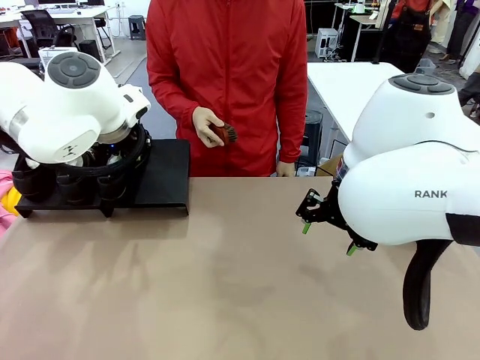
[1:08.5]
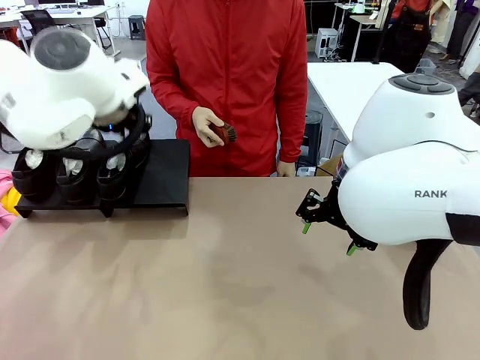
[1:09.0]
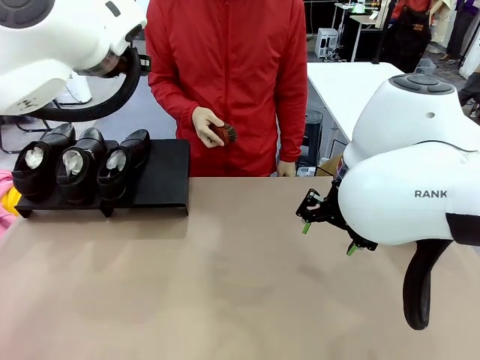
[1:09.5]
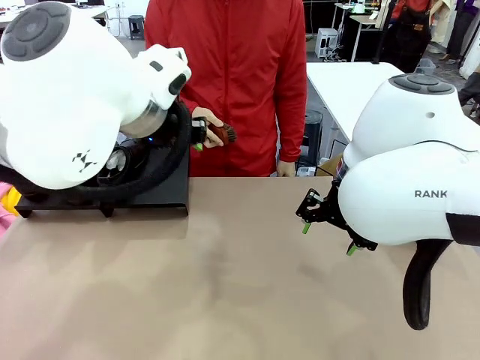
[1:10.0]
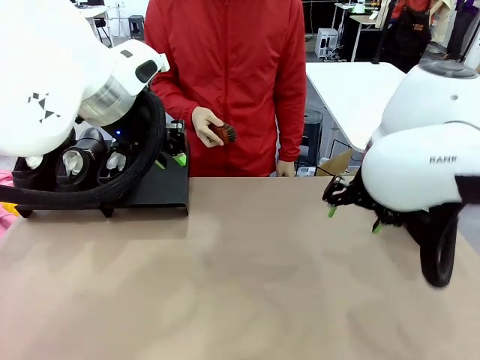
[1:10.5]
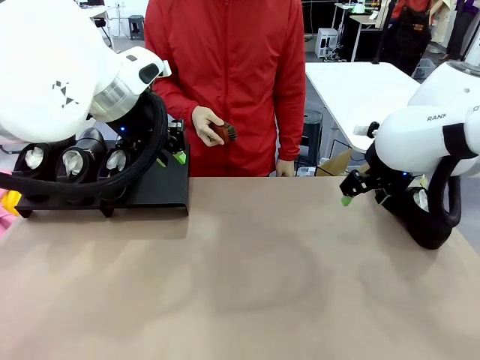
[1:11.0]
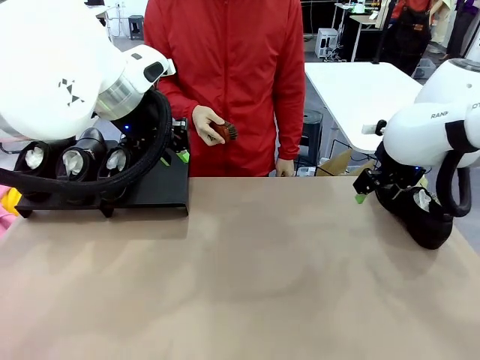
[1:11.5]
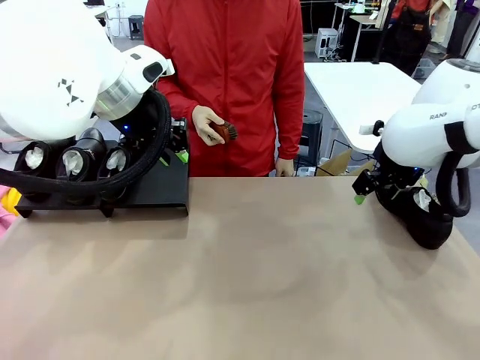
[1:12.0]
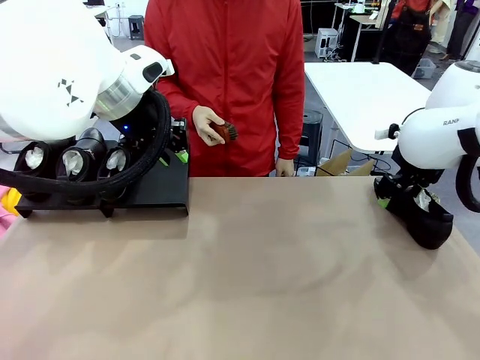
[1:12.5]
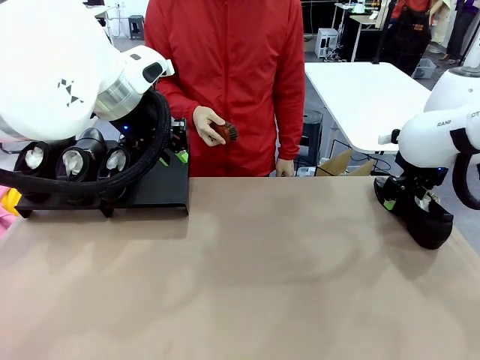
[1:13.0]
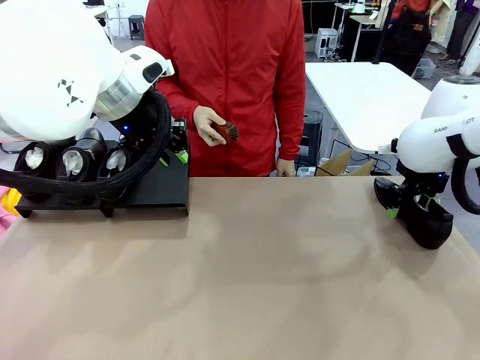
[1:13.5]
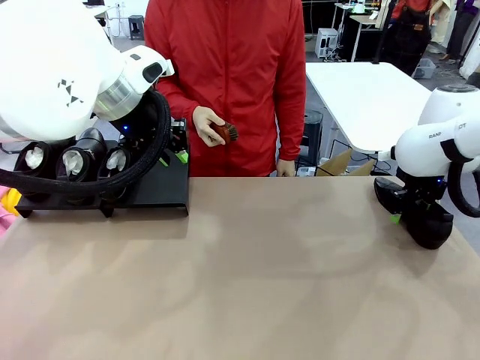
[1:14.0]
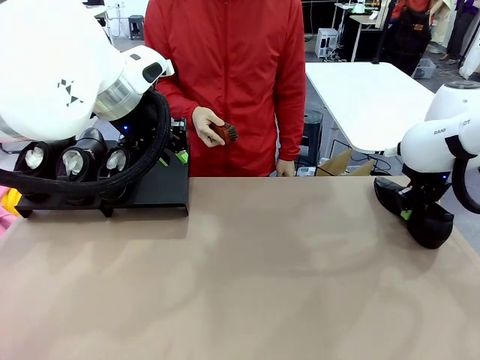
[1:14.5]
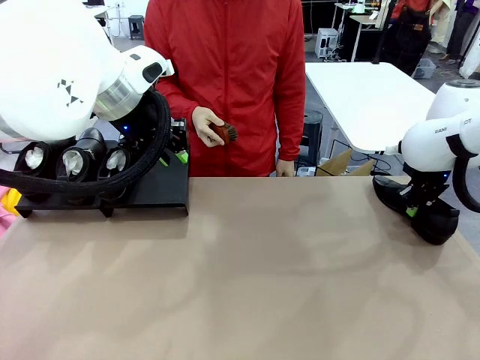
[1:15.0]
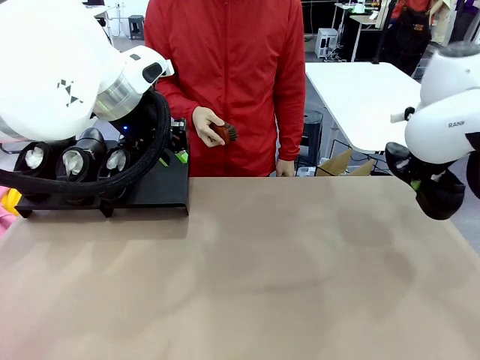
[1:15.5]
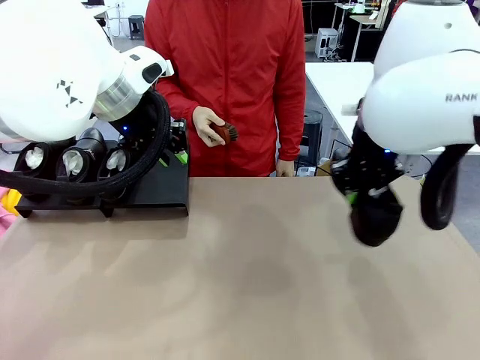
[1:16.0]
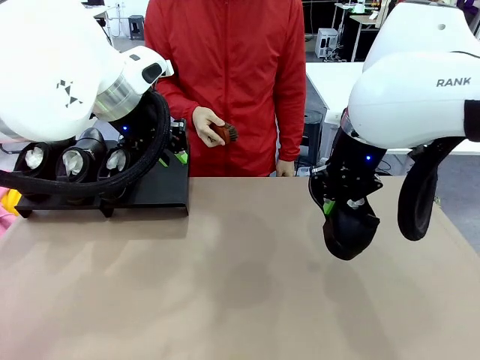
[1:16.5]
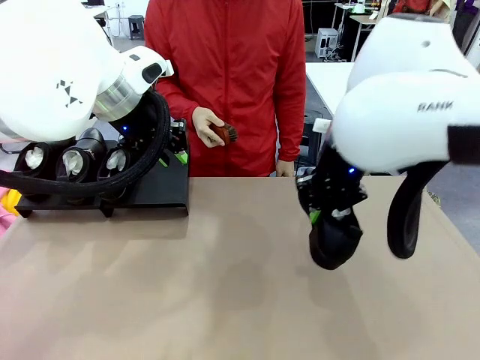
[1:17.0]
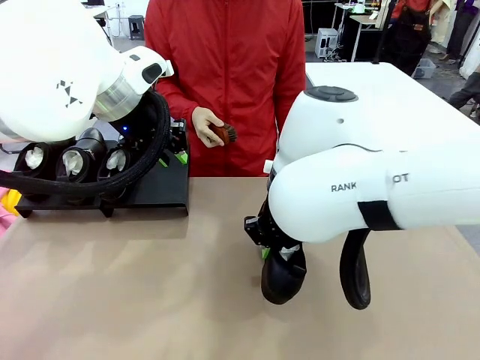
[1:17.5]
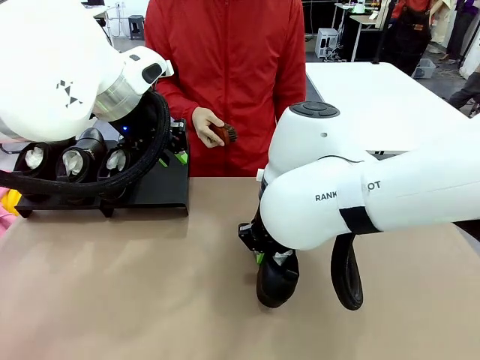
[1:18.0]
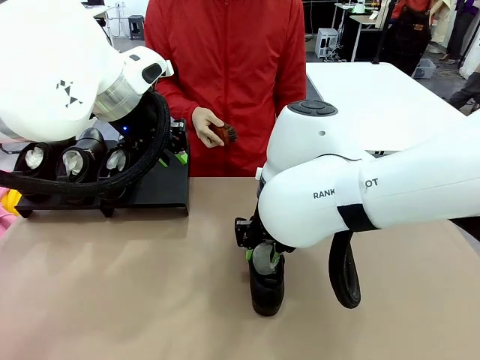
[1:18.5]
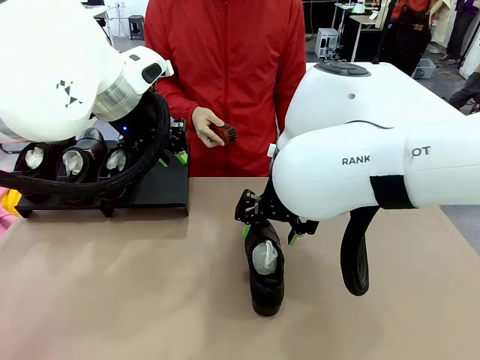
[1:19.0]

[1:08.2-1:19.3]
Task: Organize the shoes by placing them on the stand.
Robot: Pick up one Shoe and place it in the middle of the table.

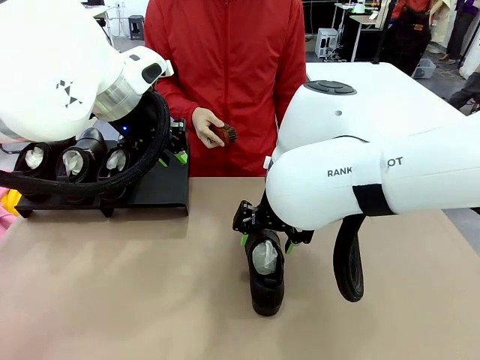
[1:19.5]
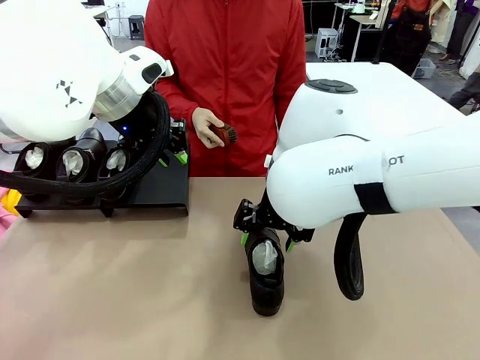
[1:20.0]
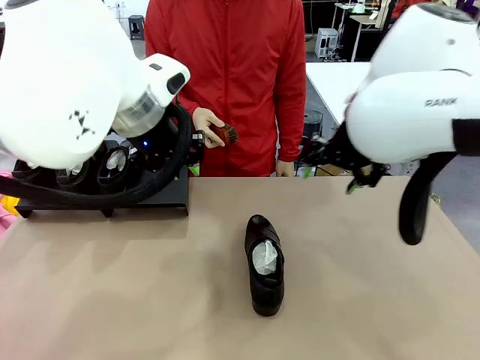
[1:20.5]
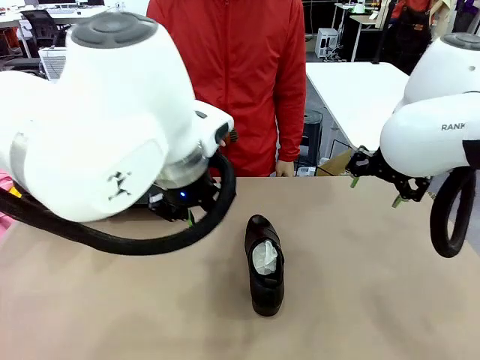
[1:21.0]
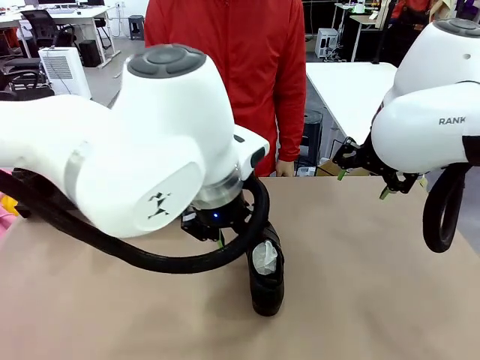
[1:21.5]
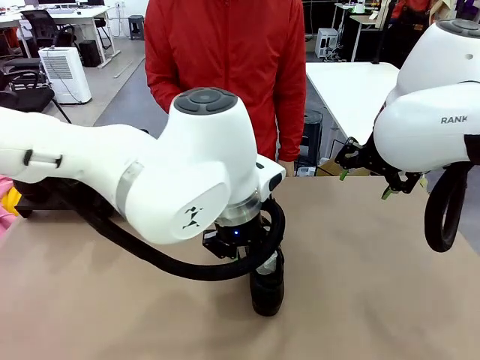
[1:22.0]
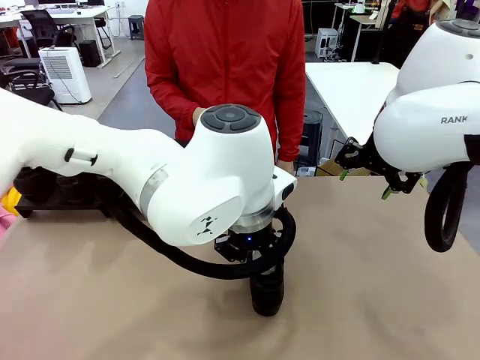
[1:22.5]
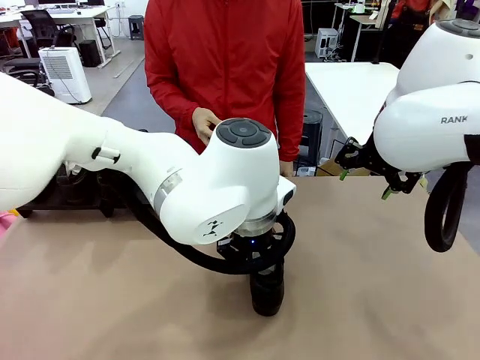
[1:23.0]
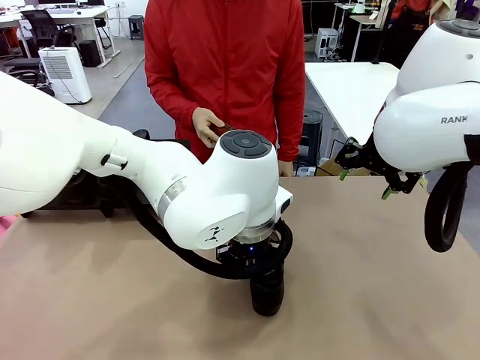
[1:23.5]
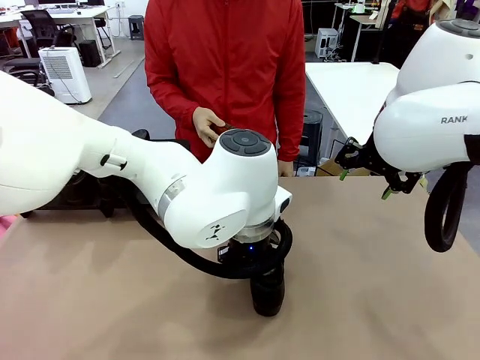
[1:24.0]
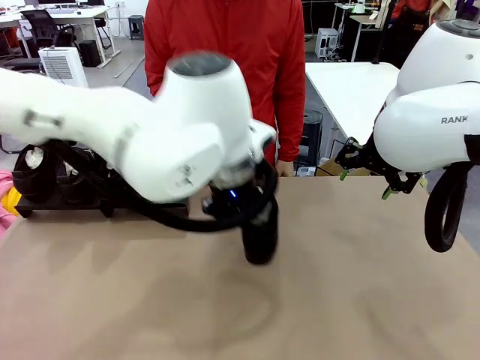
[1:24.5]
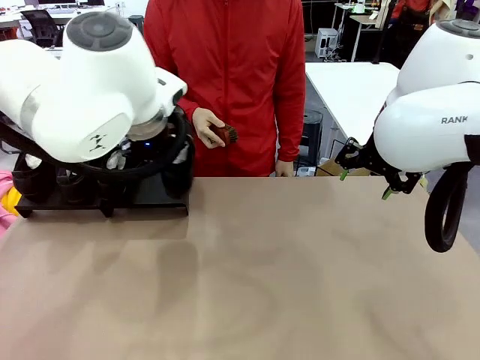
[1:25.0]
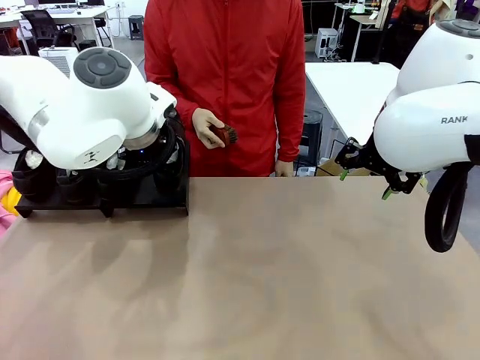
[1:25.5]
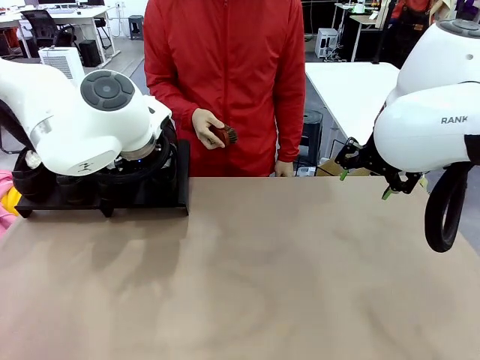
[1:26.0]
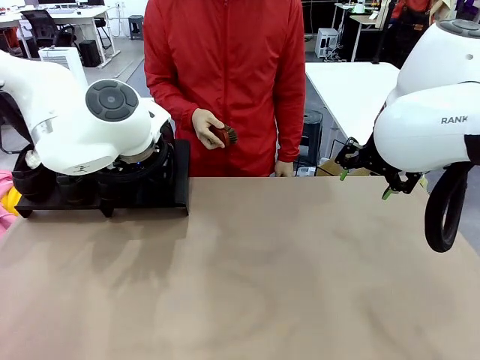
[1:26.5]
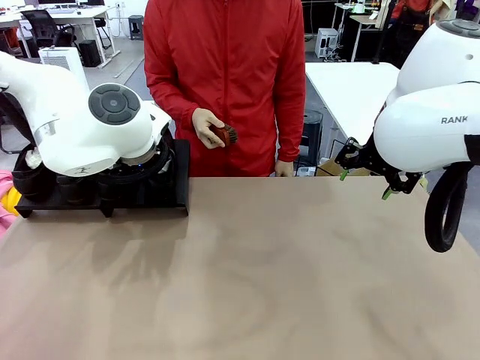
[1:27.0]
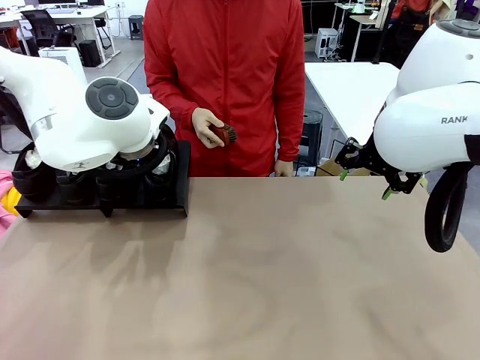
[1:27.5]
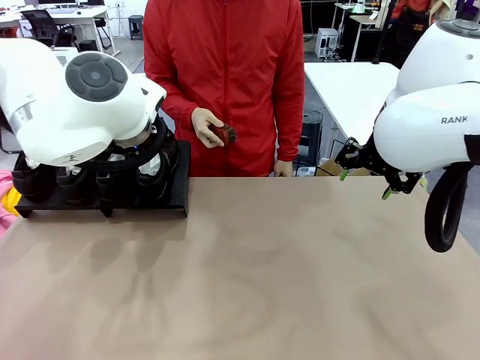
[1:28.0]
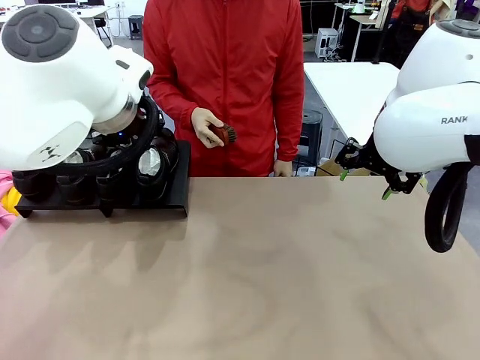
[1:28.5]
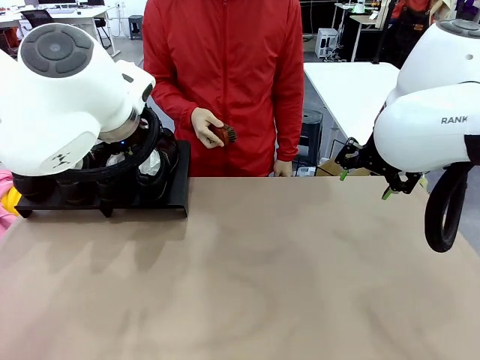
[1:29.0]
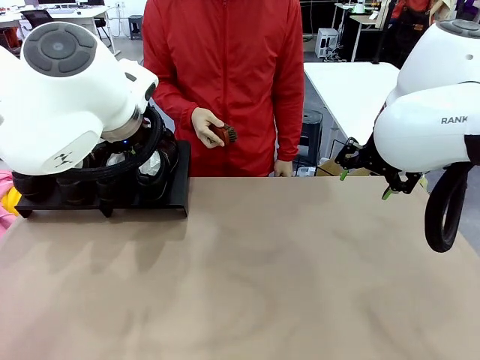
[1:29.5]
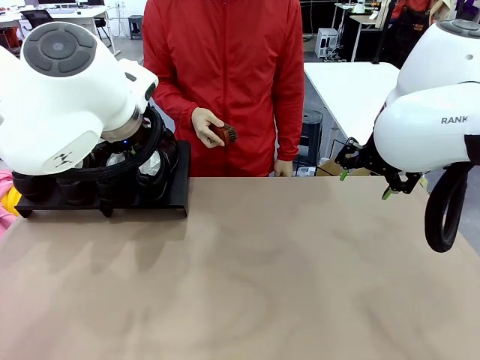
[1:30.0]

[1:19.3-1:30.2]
Robot: Place the Shoe from the middle of the table onto the Shoes Stand.

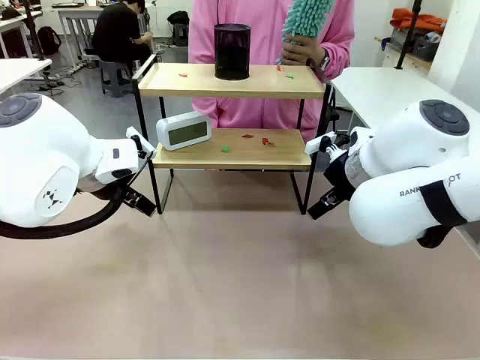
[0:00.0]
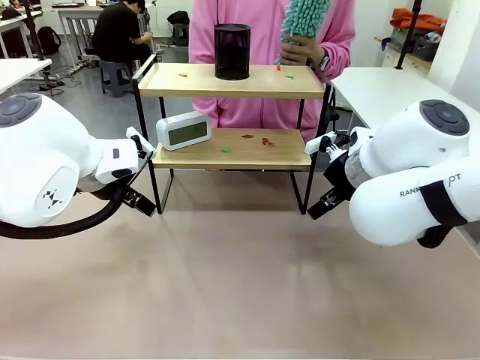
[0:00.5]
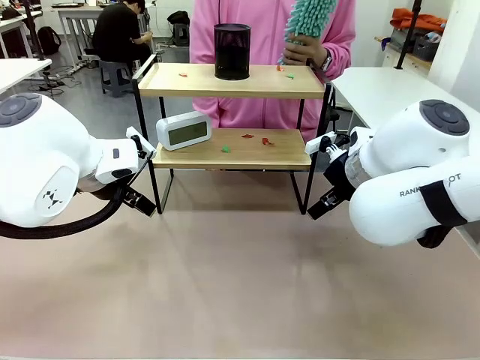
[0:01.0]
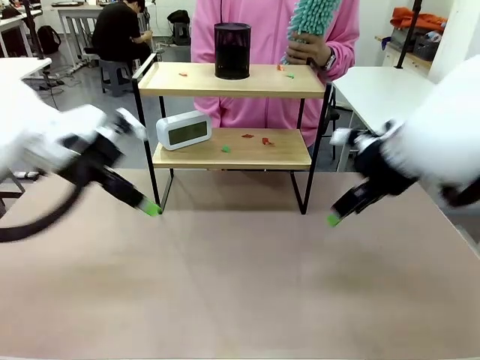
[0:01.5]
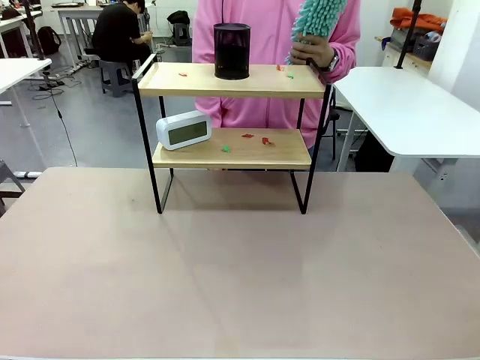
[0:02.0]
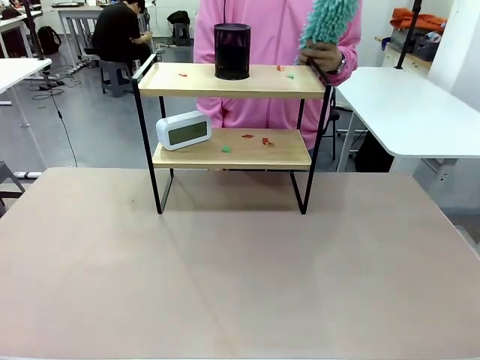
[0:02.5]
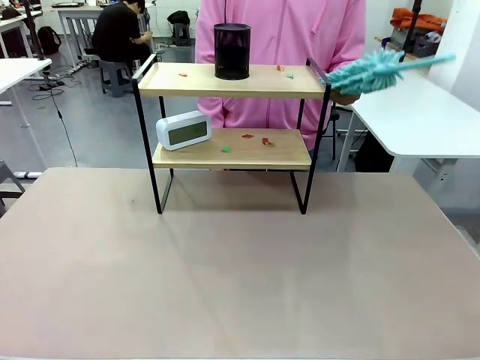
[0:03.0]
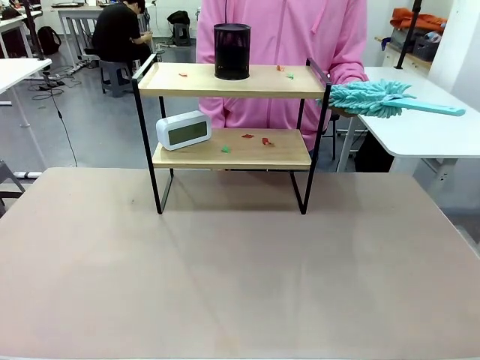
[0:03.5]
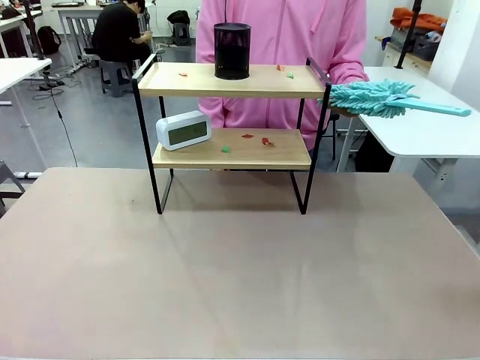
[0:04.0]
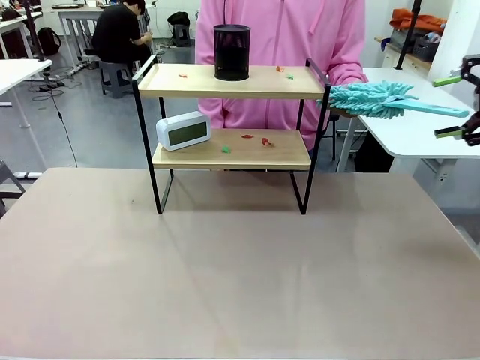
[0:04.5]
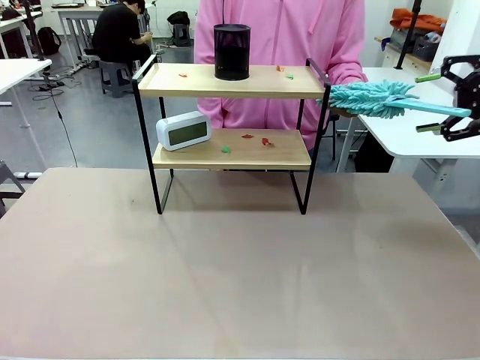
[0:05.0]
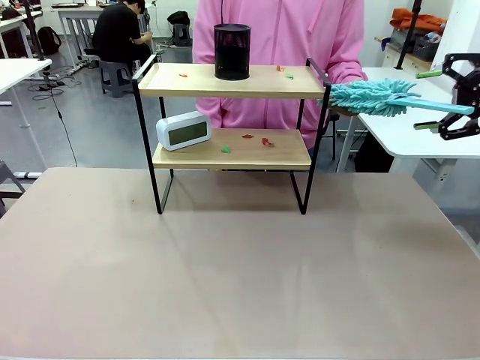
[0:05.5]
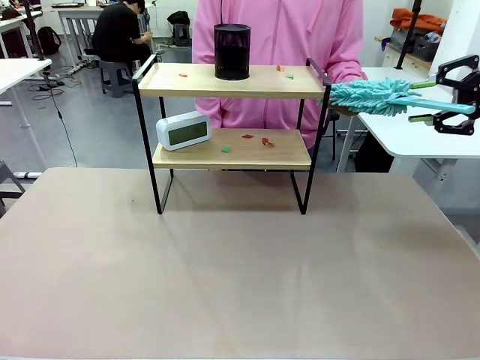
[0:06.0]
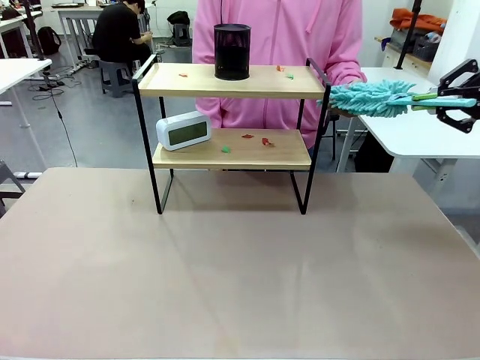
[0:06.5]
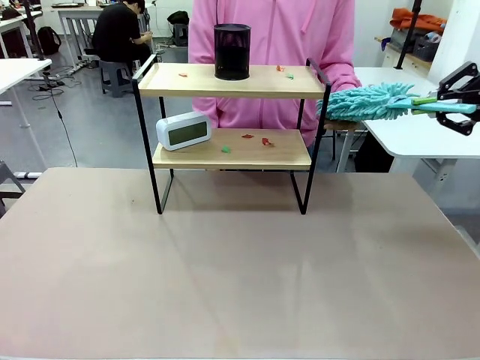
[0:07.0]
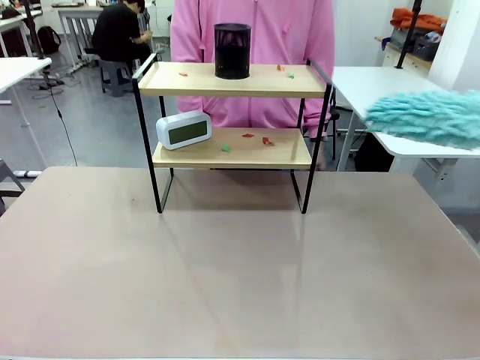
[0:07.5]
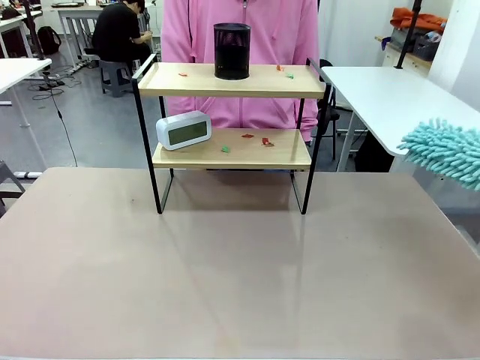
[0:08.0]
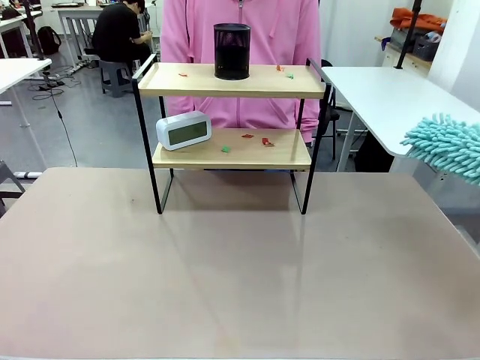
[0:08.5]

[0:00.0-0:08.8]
Task: Clean the shelf.
Robot: Pick up the Duster from the human.
Person: Hand the Duster to the robot.
